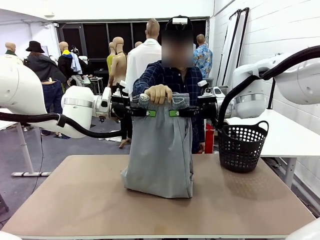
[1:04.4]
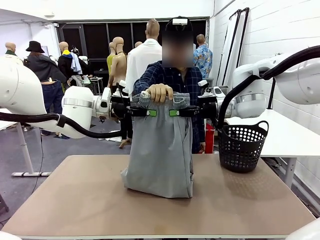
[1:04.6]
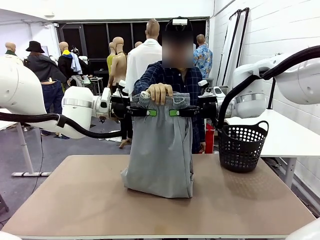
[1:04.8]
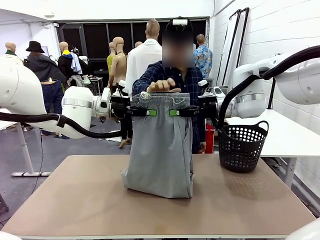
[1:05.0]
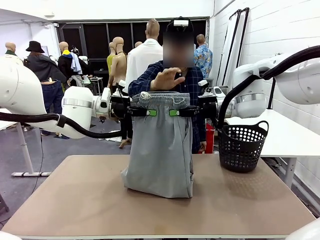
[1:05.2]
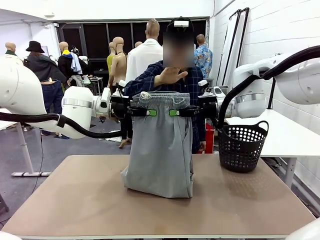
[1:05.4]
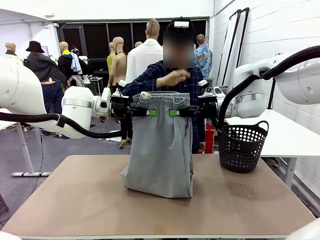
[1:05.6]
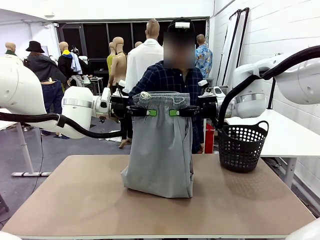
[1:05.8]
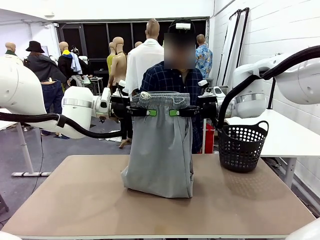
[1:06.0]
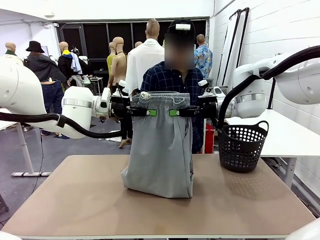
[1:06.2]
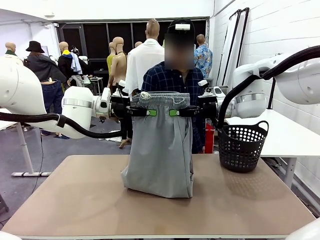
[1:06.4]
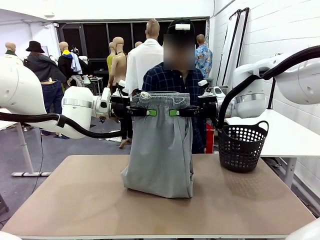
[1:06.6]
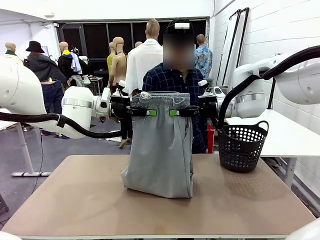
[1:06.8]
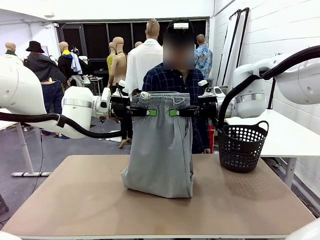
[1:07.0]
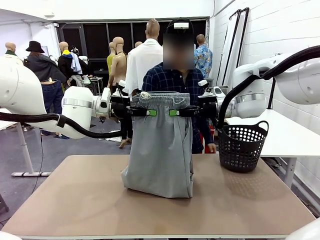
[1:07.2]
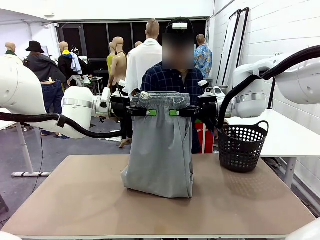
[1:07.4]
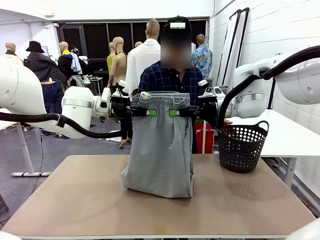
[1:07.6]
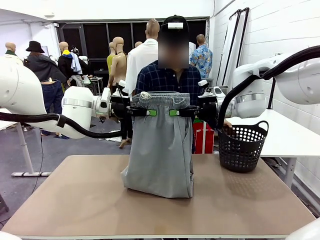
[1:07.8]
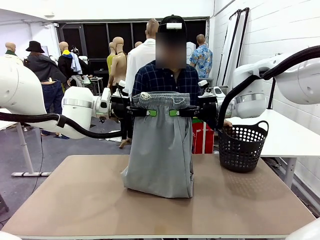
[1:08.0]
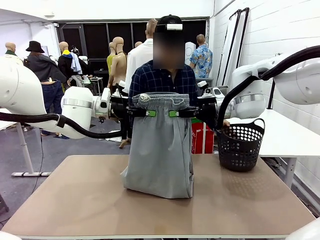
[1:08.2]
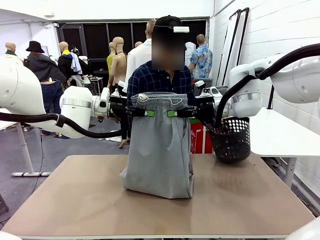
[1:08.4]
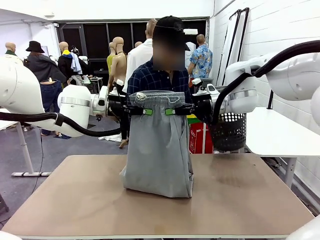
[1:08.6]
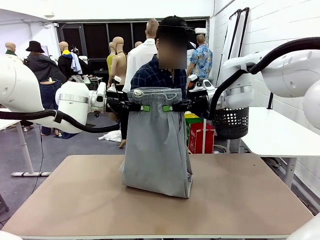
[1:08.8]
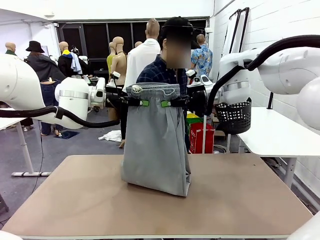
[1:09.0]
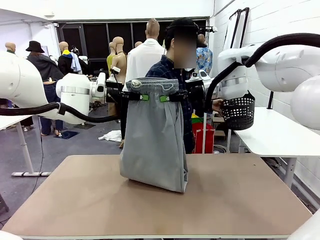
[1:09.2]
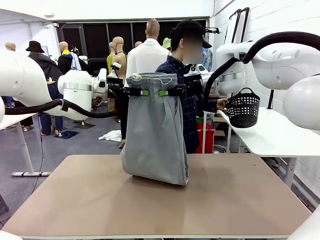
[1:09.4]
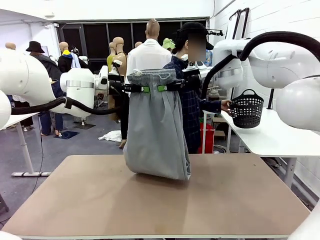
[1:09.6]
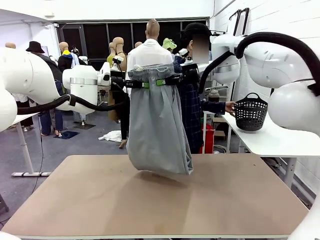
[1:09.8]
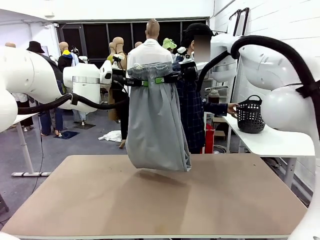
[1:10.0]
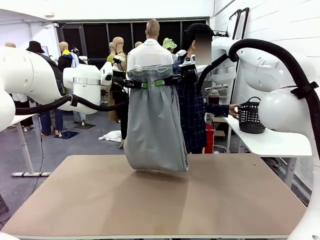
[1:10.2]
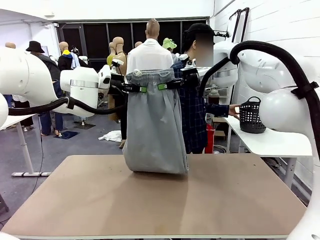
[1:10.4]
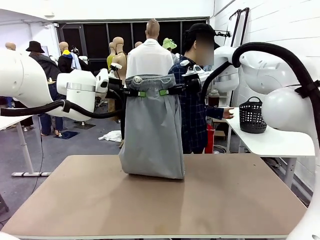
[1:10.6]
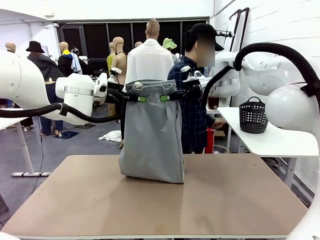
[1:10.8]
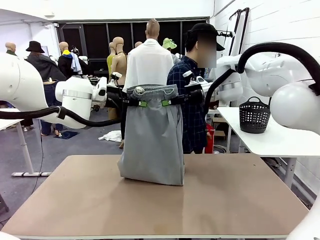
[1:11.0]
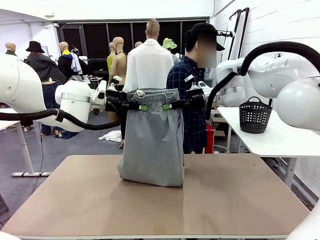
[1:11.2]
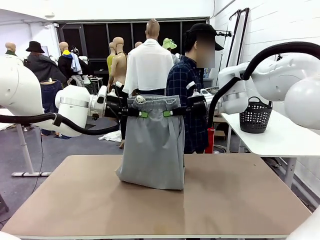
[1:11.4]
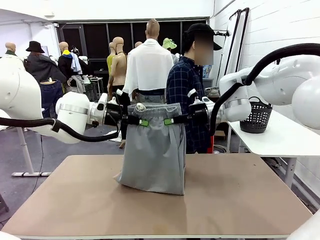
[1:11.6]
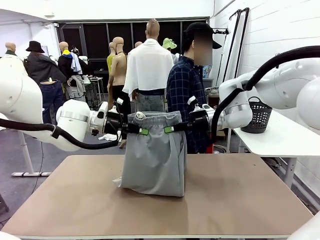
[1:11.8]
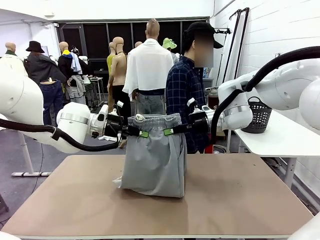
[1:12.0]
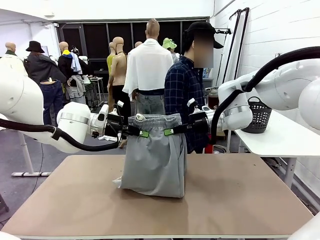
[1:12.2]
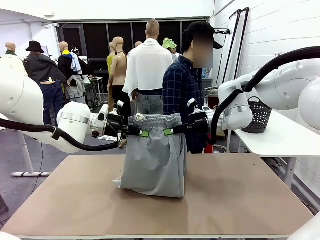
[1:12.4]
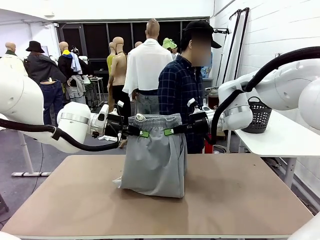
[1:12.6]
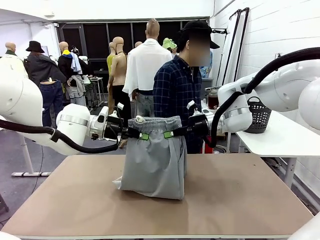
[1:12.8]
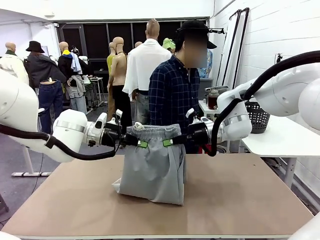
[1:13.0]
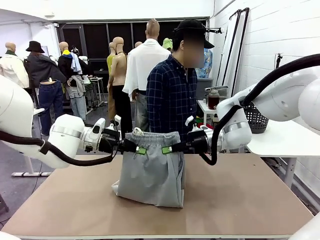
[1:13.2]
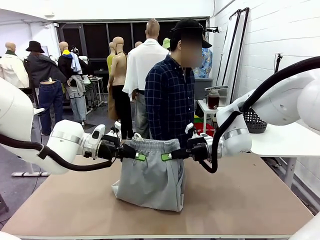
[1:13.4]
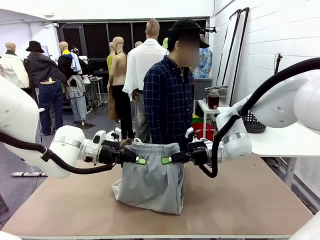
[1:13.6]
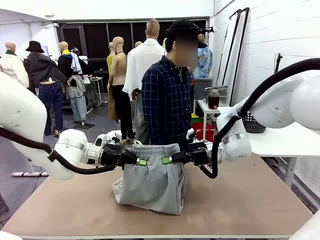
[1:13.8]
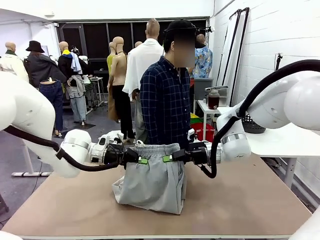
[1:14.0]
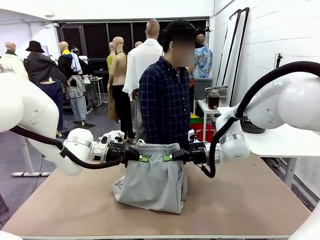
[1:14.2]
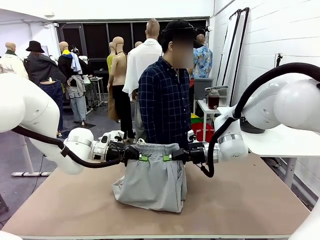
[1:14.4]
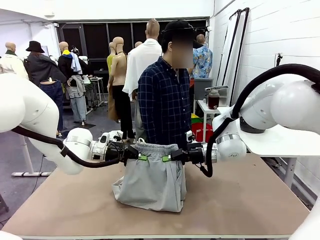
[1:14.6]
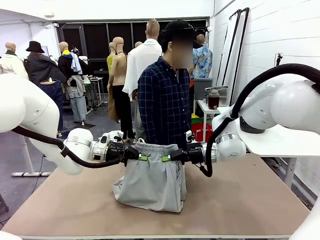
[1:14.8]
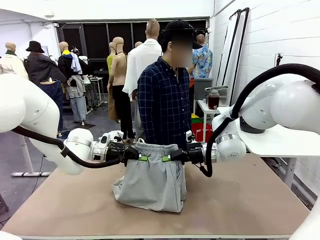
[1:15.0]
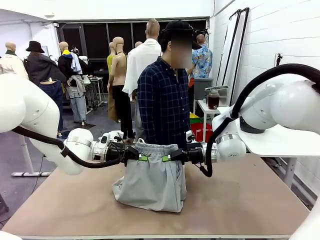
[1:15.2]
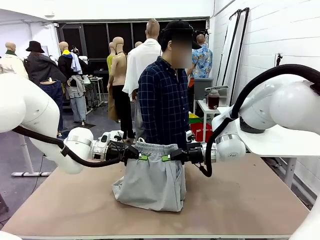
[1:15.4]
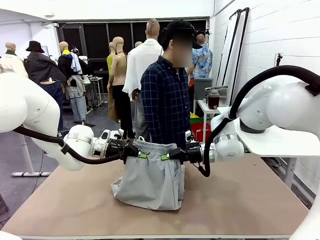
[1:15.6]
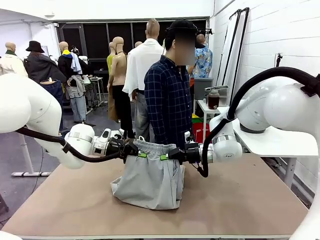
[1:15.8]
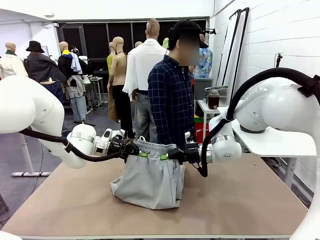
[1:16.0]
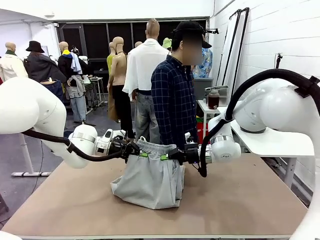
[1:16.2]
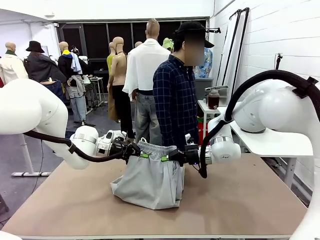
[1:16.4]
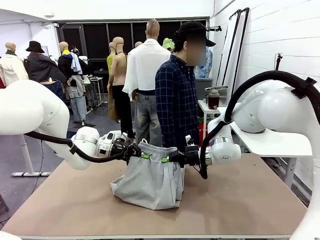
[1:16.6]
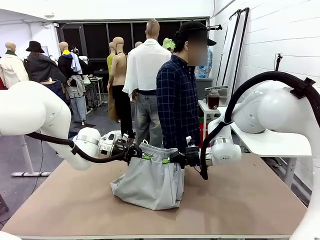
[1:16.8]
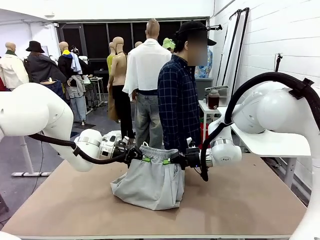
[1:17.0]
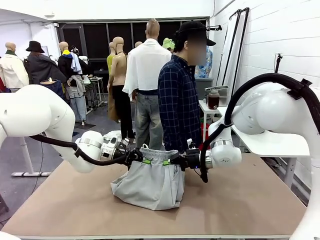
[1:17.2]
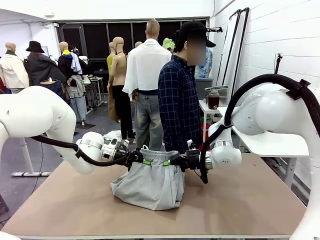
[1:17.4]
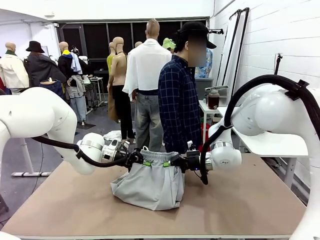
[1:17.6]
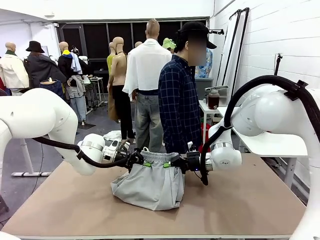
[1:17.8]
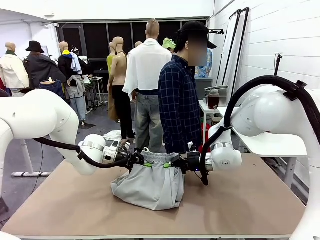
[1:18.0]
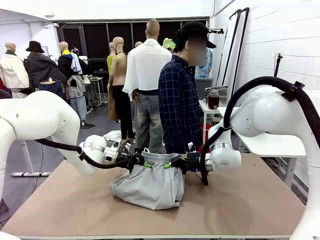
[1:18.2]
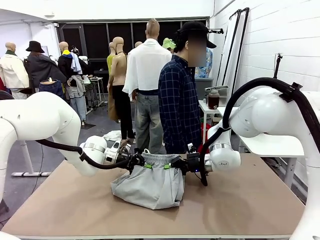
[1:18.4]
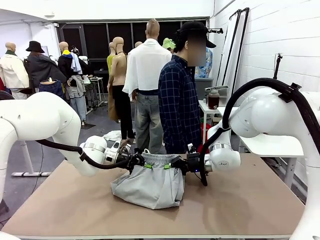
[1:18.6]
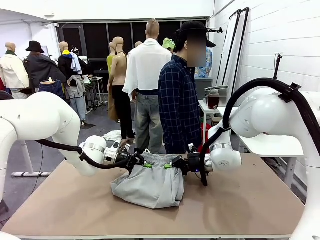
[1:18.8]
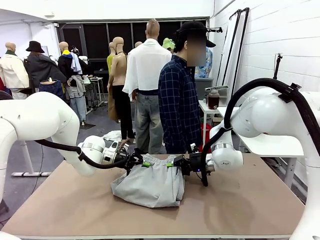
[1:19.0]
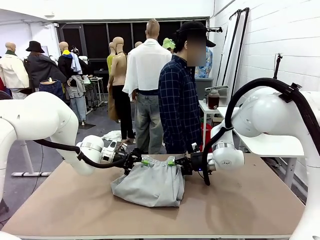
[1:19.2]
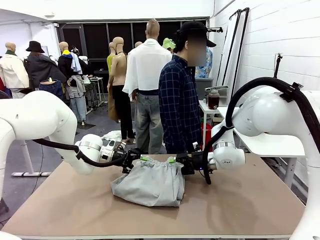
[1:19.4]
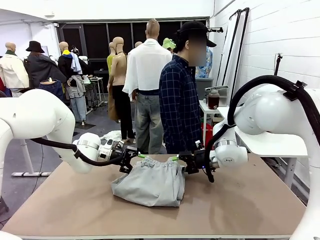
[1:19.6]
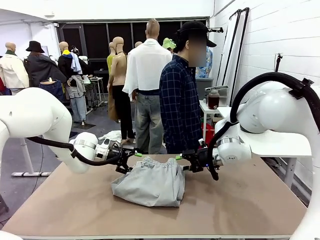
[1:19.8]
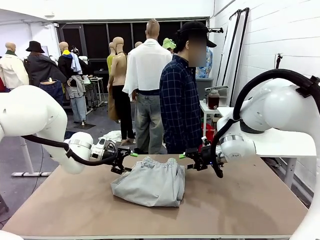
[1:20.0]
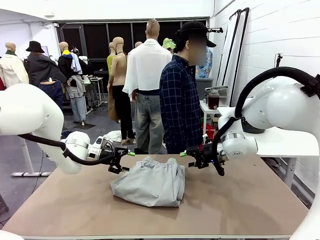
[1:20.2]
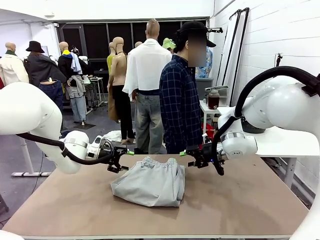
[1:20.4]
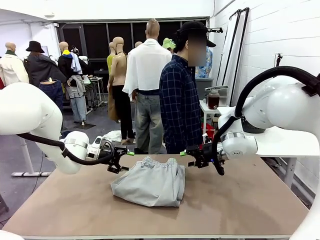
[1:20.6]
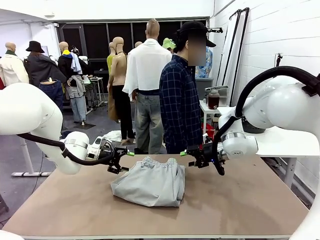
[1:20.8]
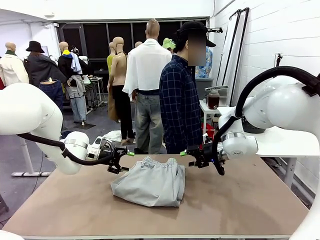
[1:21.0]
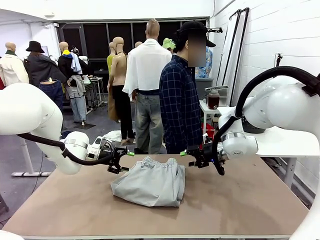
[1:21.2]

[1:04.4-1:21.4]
Task: Fold the training pants.
Robot: Fold the Training pants in half.
Person: Move the laundry basket to the right of the human table.
